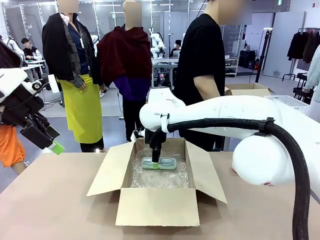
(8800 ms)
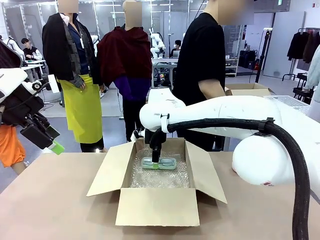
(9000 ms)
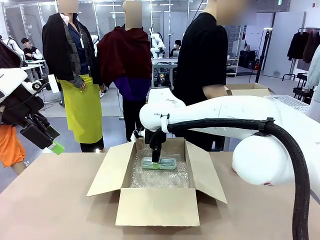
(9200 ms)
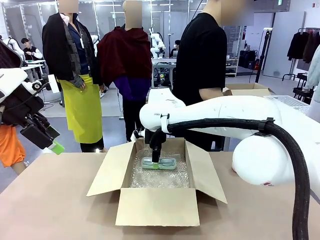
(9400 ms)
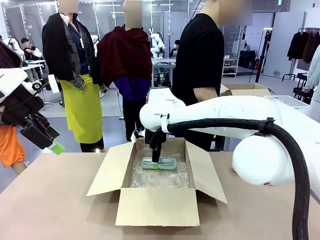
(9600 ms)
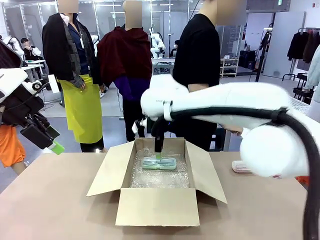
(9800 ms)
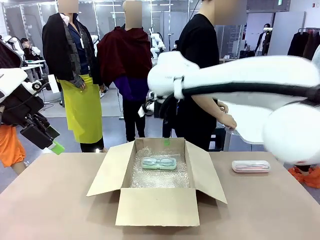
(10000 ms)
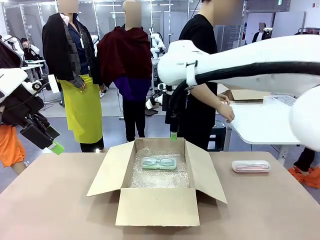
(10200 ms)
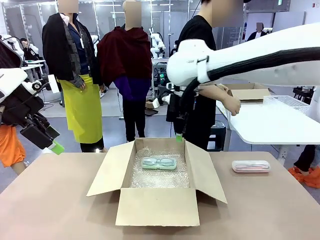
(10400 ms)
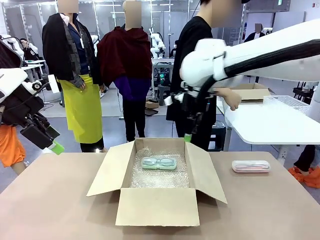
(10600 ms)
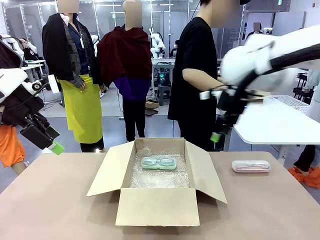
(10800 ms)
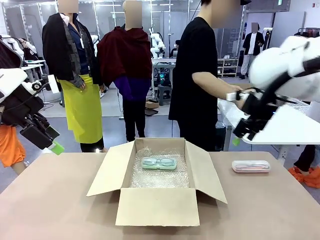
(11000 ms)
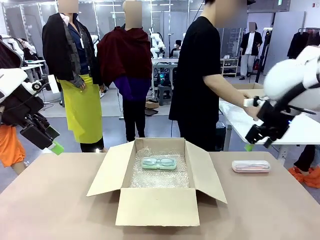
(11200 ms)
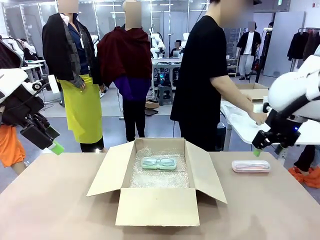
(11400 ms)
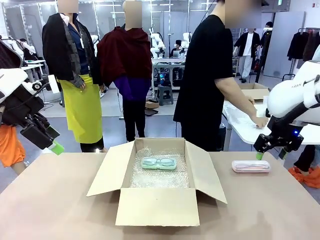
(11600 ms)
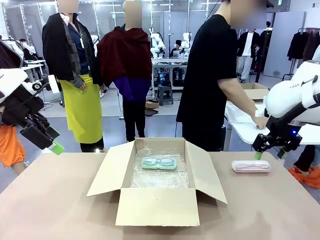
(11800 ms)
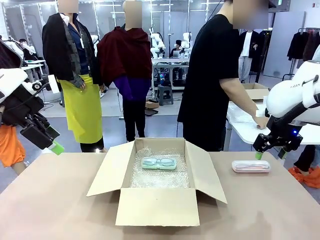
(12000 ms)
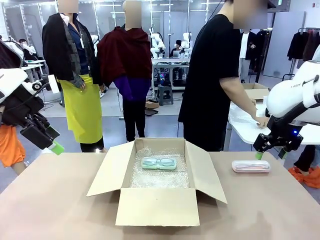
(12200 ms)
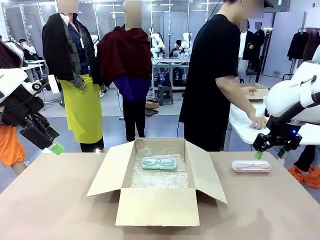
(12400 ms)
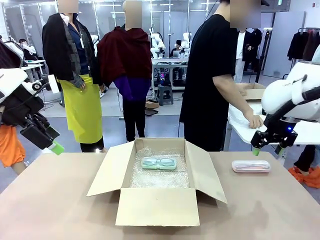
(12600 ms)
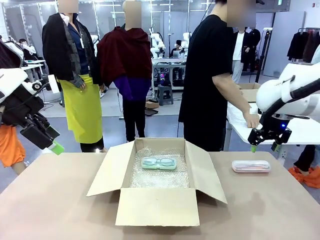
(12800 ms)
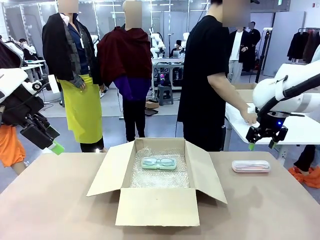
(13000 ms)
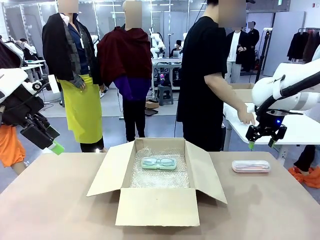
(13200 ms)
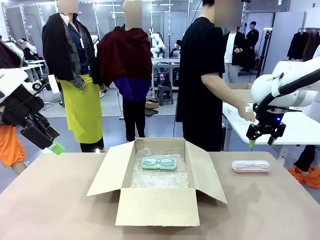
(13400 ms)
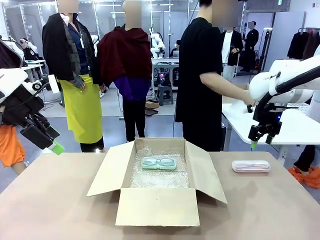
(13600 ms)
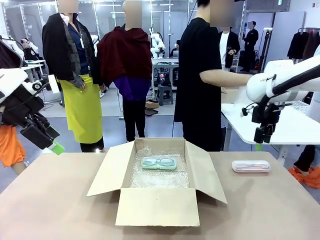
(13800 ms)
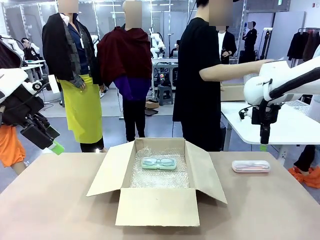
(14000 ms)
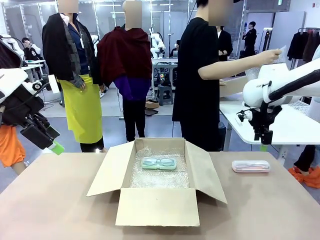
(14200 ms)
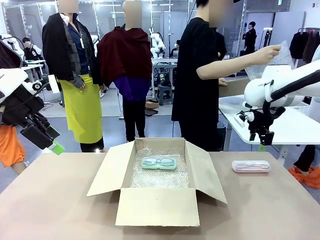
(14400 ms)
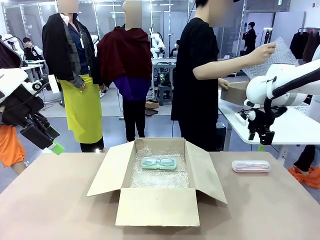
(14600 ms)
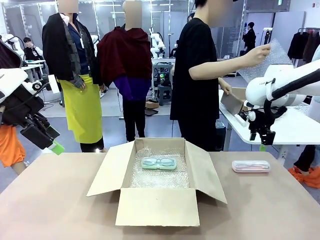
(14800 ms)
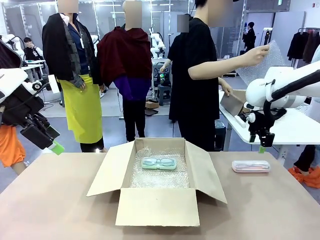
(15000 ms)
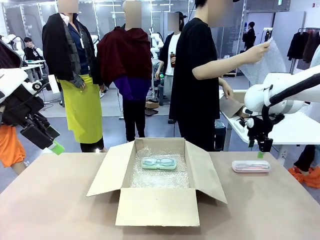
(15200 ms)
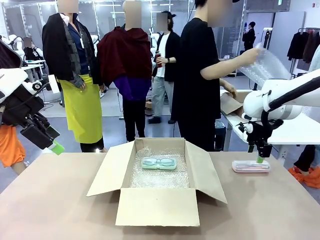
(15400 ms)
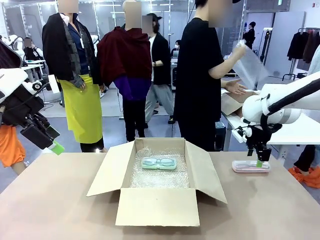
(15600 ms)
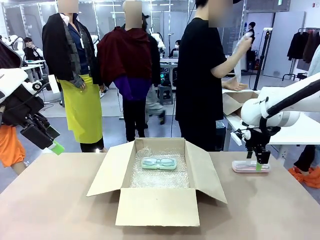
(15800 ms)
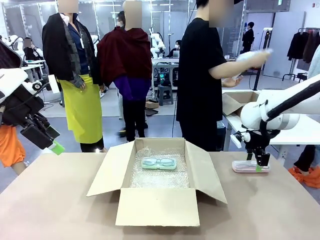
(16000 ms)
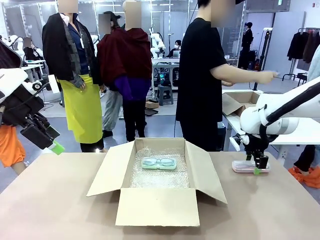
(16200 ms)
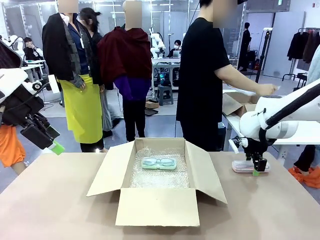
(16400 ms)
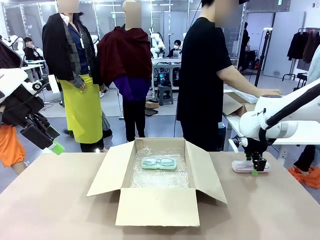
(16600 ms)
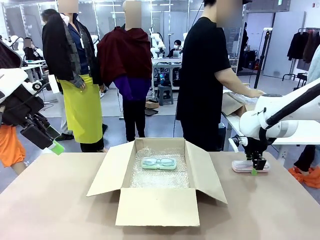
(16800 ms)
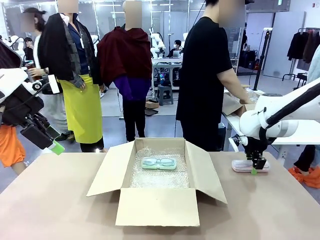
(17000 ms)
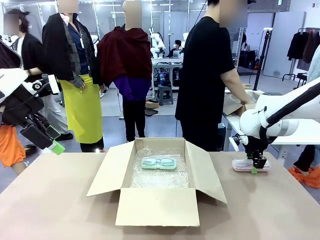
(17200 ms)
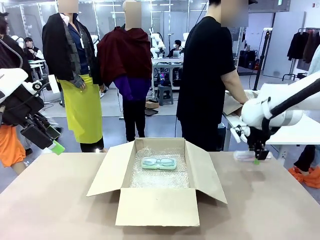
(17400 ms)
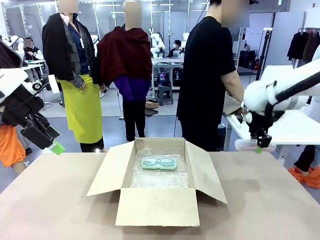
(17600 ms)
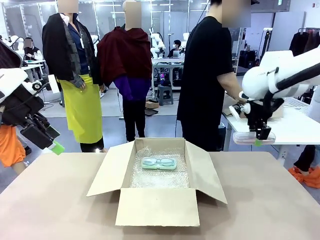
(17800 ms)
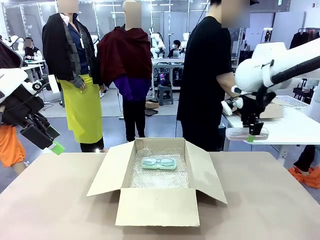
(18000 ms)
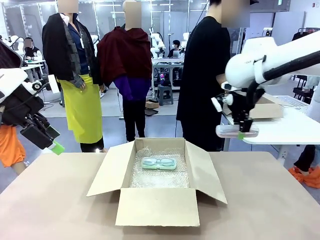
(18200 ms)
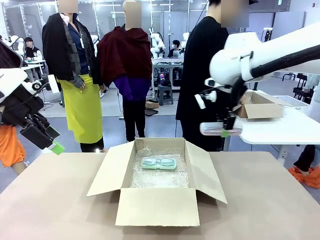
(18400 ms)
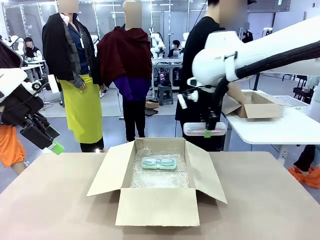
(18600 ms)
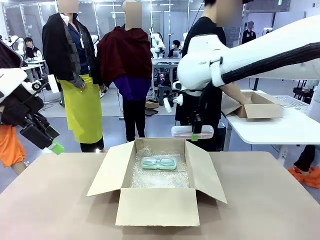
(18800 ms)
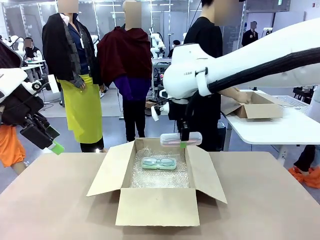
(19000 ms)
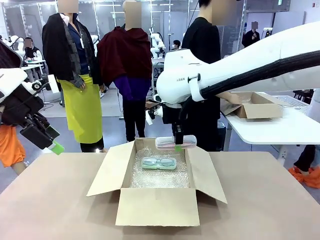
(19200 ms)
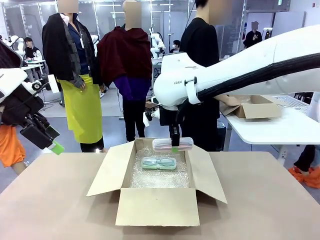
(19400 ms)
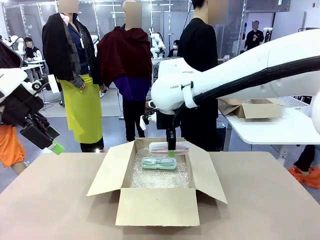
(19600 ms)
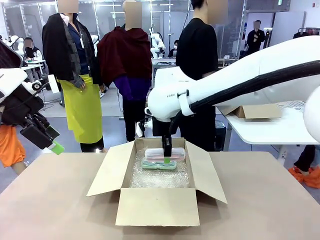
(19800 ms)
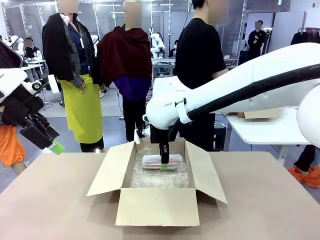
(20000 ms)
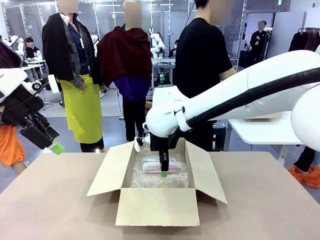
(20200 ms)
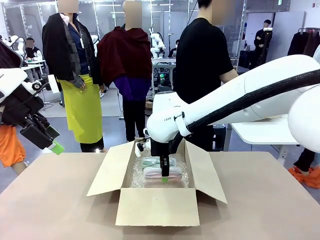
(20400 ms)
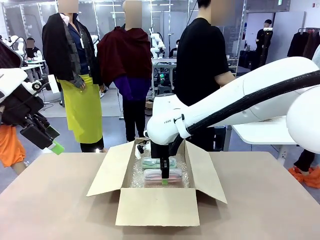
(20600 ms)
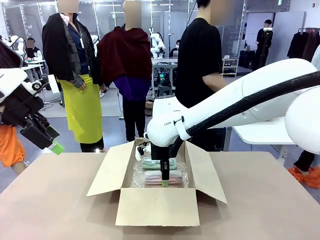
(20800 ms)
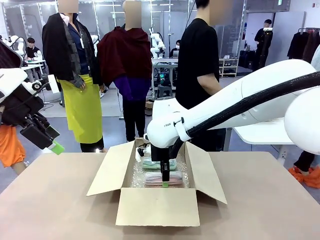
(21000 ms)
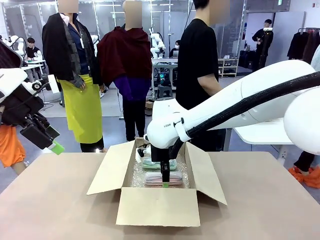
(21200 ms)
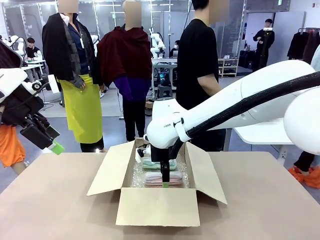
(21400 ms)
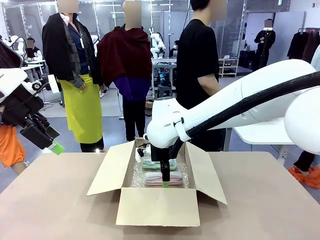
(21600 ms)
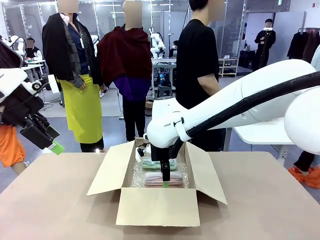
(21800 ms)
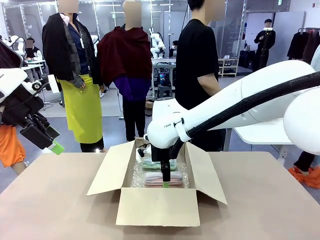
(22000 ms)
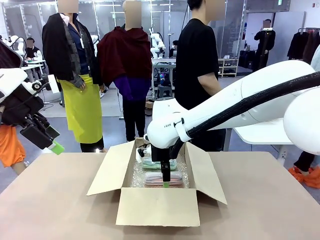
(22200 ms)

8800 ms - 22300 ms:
Task: Pack the glasses set securely to prepare it for shipping.
Robot: Put the Glasses case from the right side of the table into the Package Box.
